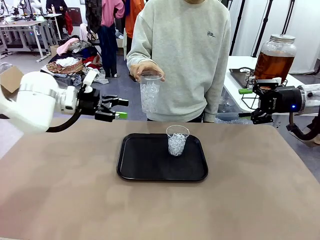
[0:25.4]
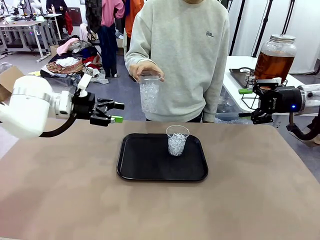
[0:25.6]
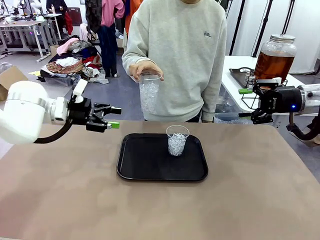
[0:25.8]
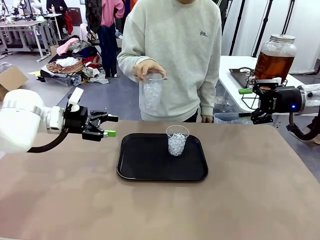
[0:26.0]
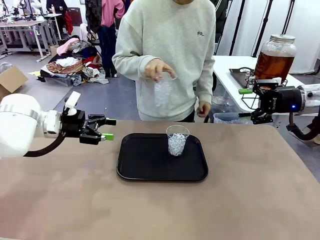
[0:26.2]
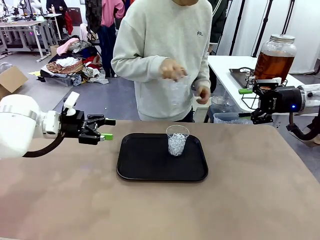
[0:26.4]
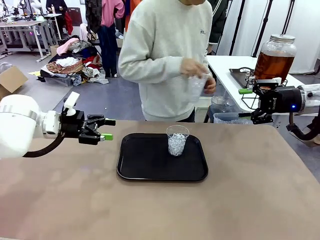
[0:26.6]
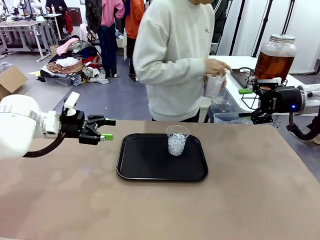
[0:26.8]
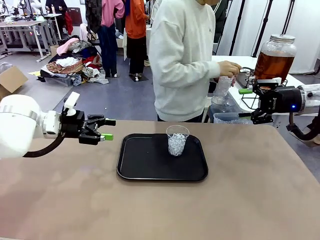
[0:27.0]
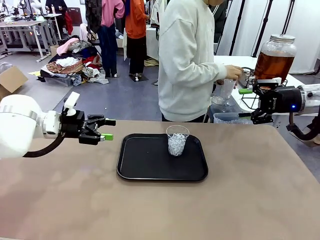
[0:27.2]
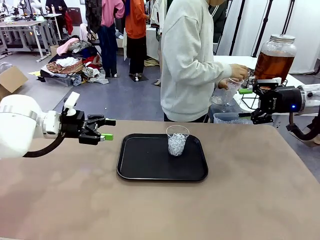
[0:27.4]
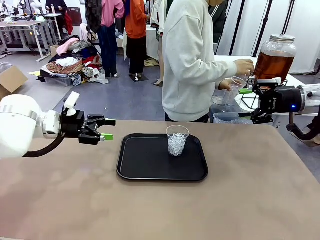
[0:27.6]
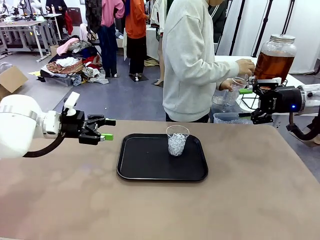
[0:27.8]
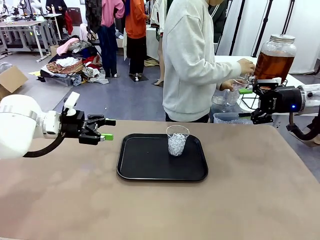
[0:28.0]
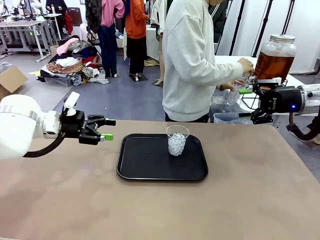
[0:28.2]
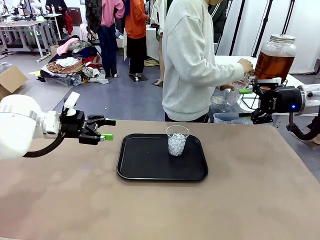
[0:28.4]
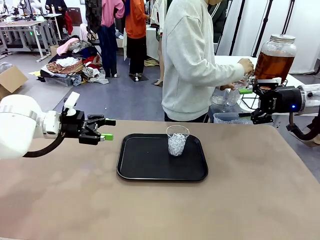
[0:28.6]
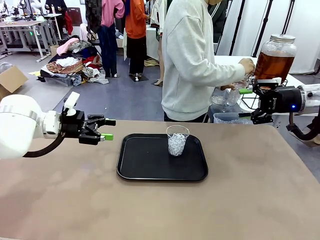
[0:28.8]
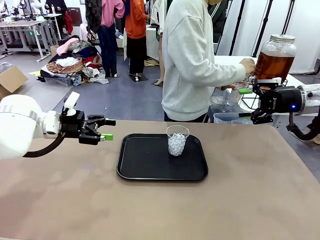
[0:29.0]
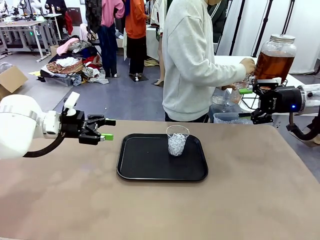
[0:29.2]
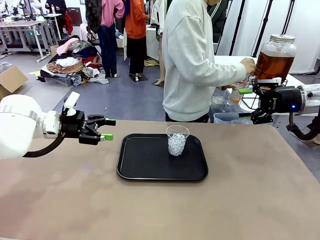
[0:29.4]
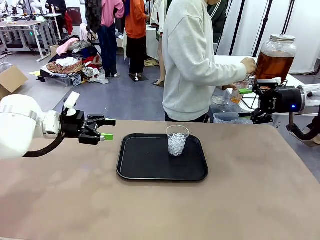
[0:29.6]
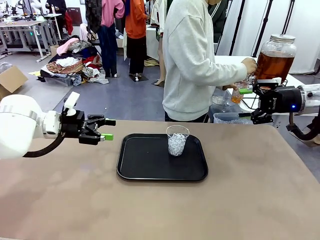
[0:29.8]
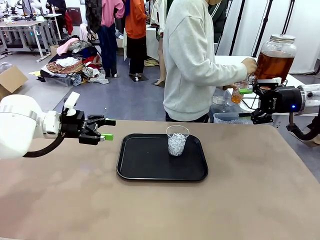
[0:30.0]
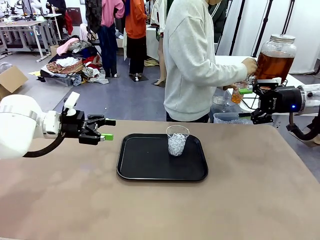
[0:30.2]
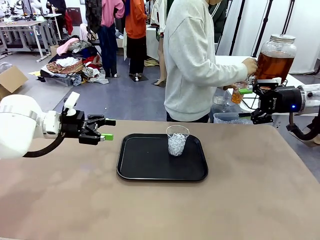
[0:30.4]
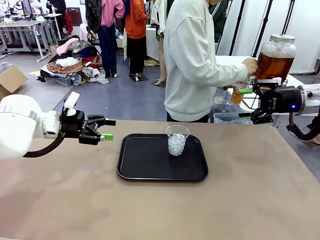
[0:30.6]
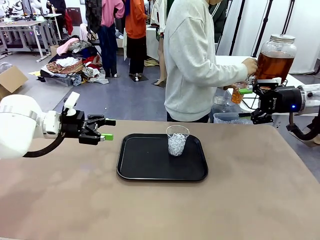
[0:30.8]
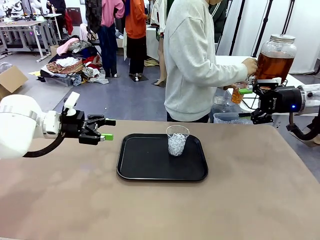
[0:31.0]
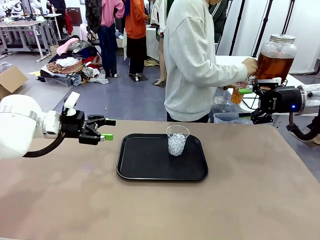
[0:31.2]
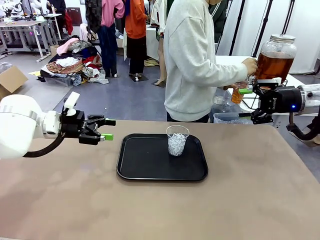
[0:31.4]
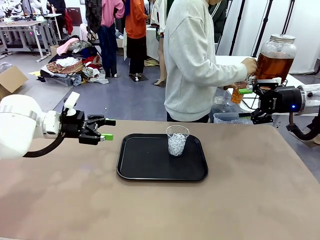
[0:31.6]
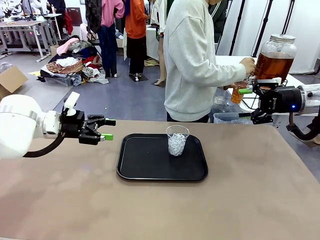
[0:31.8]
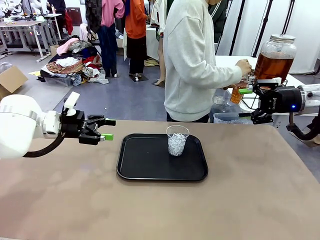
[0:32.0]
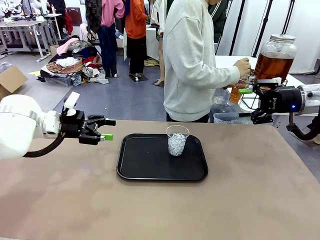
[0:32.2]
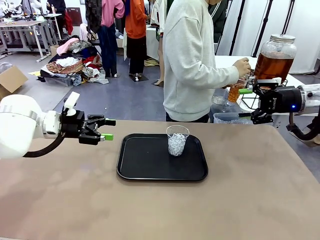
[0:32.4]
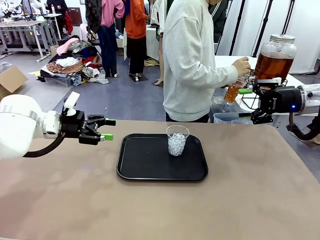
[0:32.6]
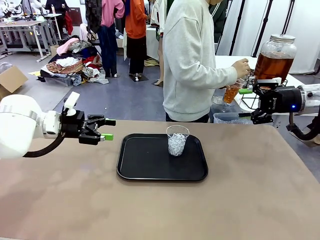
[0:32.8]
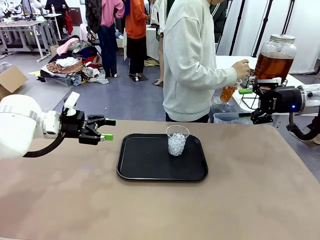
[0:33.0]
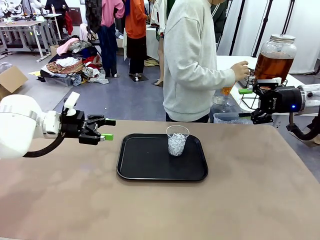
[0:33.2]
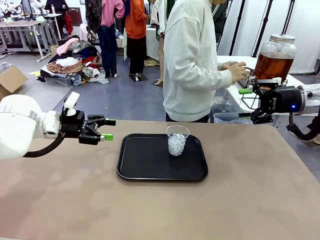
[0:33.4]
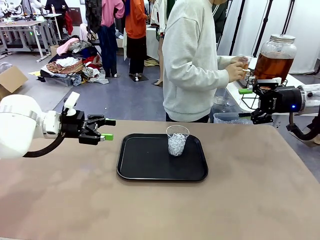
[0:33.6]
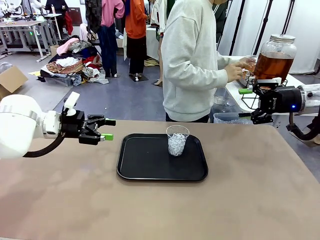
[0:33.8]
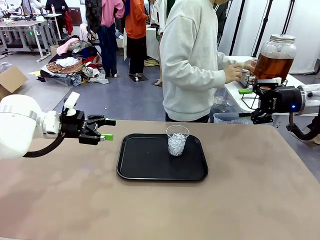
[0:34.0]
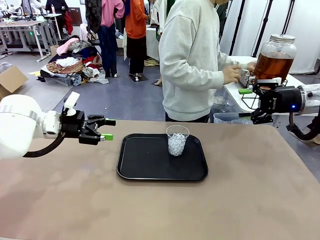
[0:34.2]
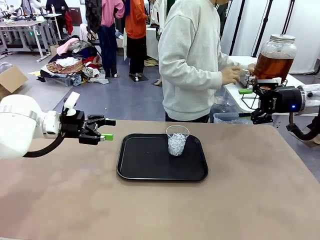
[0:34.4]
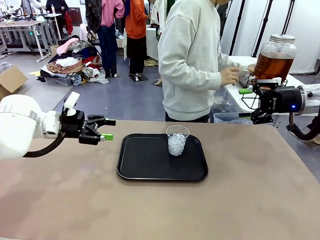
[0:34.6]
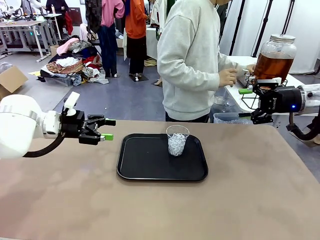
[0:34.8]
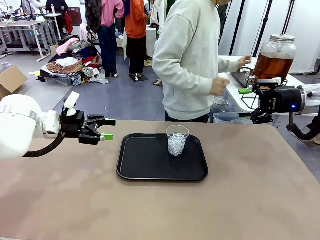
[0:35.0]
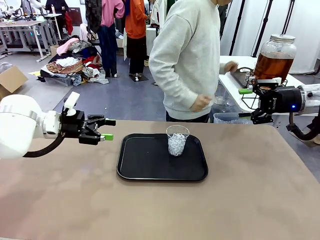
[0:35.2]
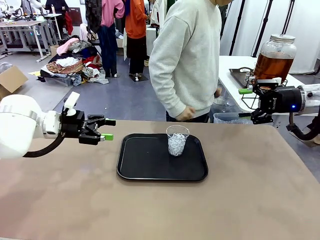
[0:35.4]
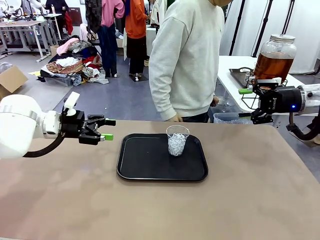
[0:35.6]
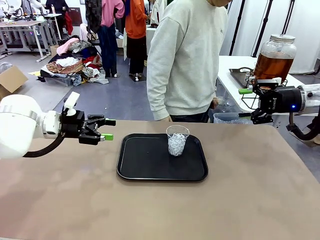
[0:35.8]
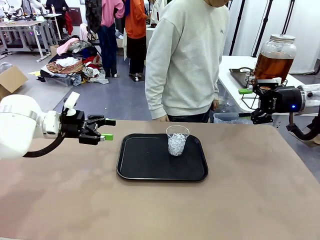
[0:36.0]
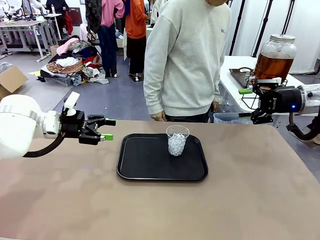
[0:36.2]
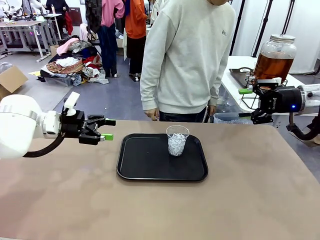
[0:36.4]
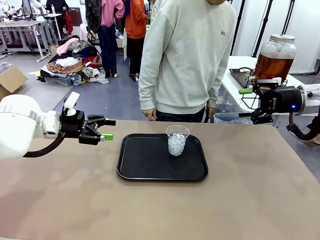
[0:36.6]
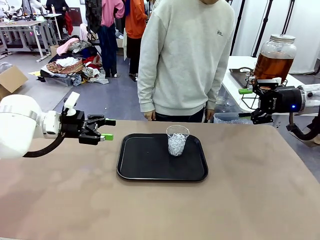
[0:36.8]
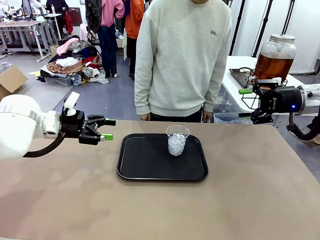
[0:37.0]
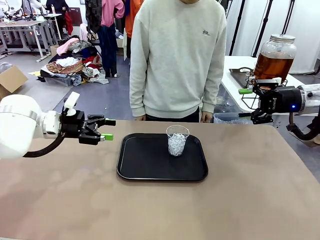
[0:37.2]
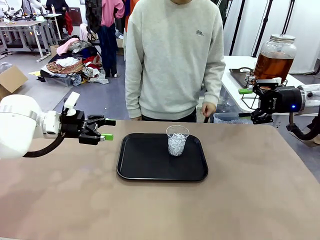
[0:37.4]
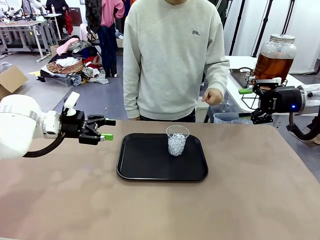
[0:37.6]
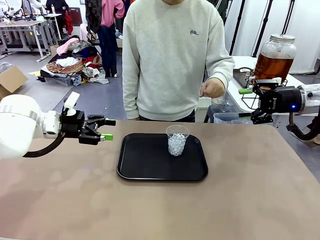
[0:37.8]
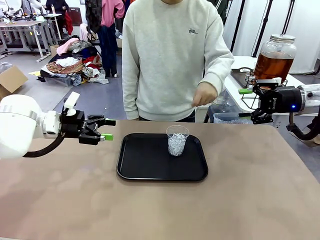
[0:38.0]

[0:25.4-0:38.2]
Task: Pour the drink into the iced cup.
Robot: Pick up the iced cup indicated by the human and present it to them.
Person: Move the picked-up cup under the dispenser faucet, pour the drink, and place it on the tray on the human table. Point to the remaining ice cup on the robot table.

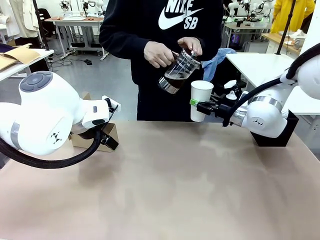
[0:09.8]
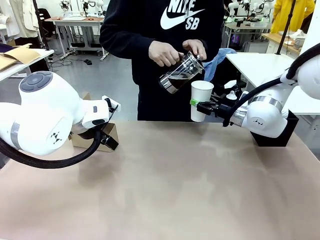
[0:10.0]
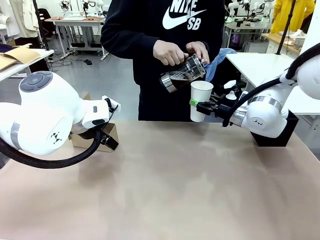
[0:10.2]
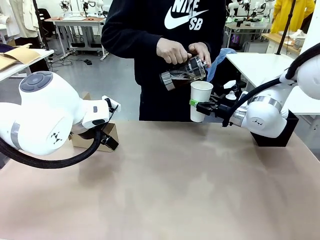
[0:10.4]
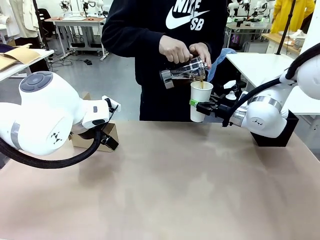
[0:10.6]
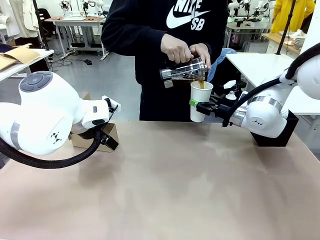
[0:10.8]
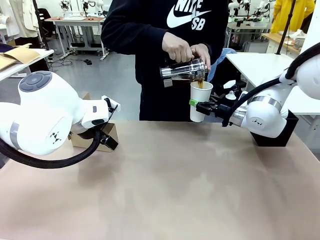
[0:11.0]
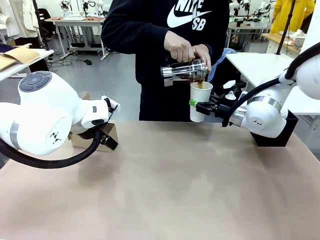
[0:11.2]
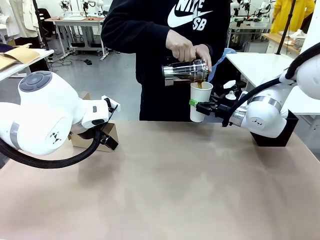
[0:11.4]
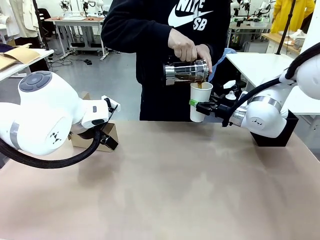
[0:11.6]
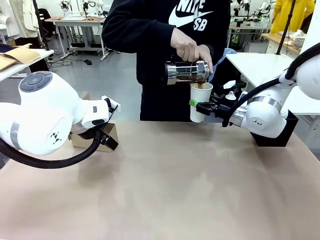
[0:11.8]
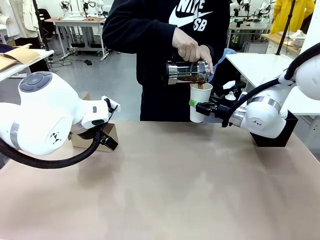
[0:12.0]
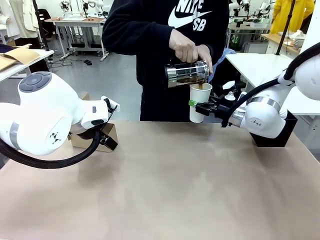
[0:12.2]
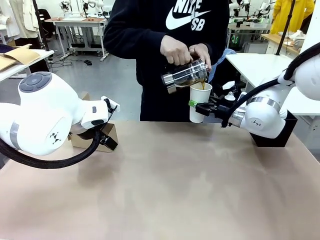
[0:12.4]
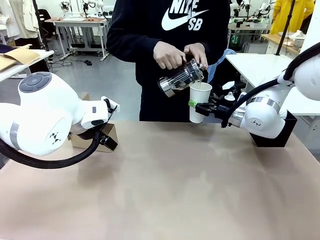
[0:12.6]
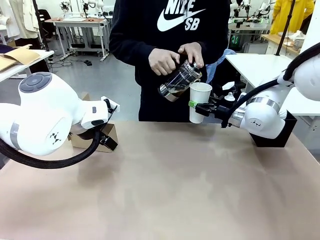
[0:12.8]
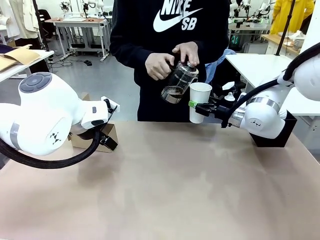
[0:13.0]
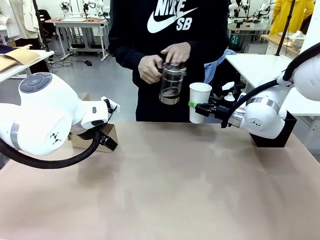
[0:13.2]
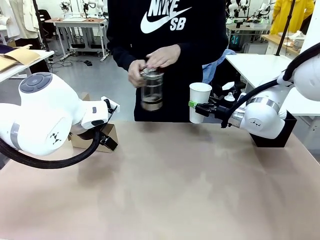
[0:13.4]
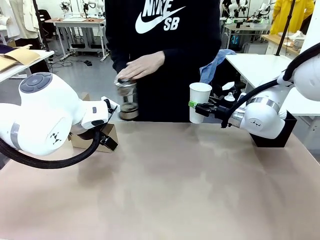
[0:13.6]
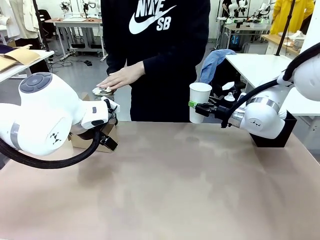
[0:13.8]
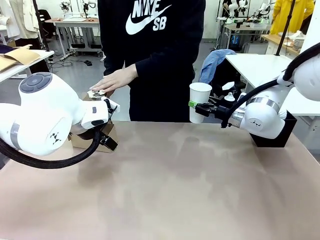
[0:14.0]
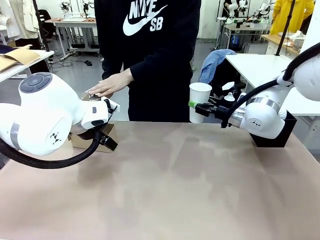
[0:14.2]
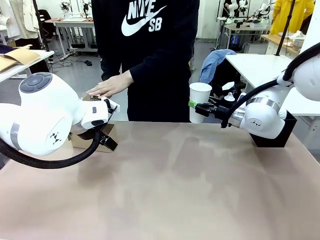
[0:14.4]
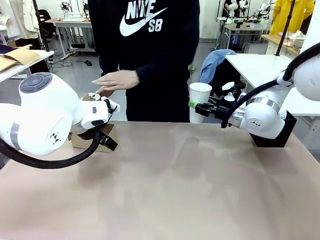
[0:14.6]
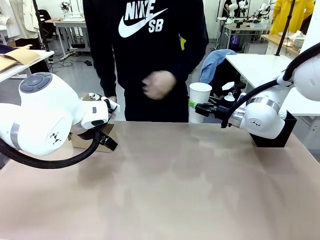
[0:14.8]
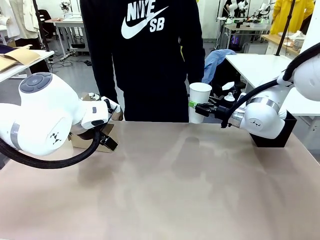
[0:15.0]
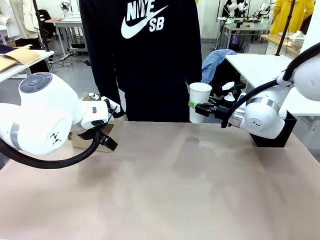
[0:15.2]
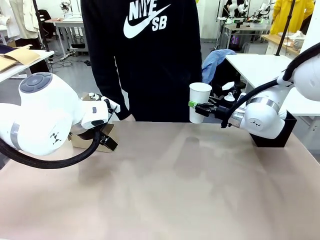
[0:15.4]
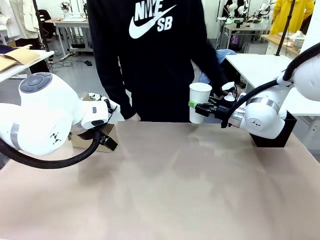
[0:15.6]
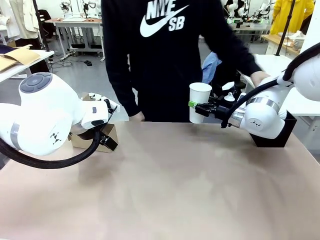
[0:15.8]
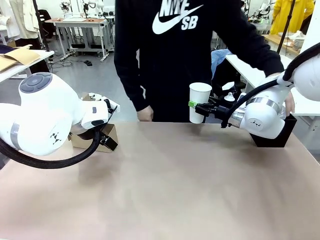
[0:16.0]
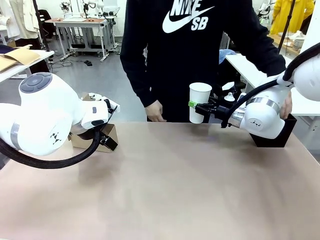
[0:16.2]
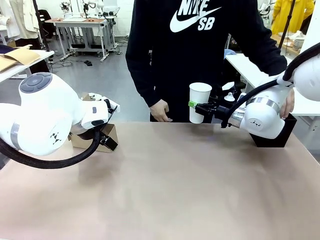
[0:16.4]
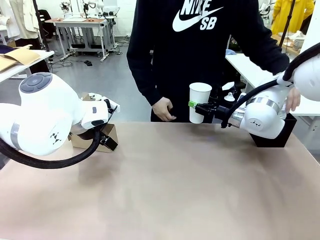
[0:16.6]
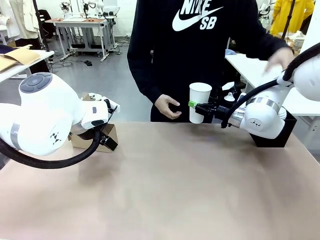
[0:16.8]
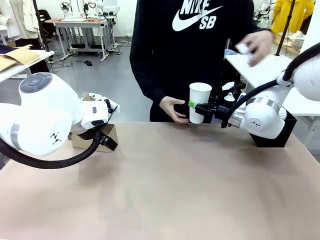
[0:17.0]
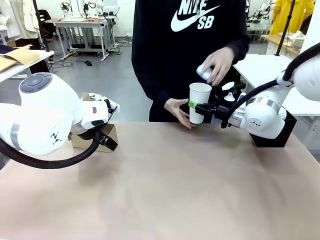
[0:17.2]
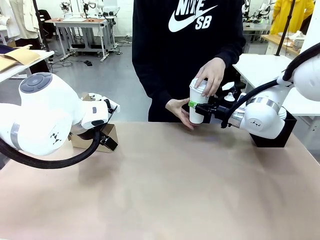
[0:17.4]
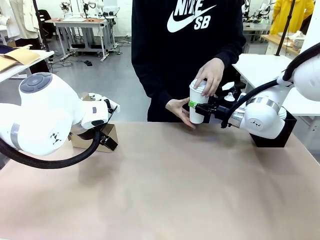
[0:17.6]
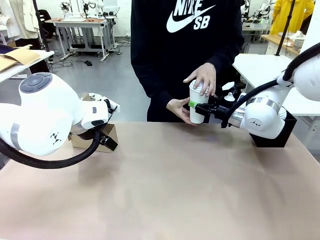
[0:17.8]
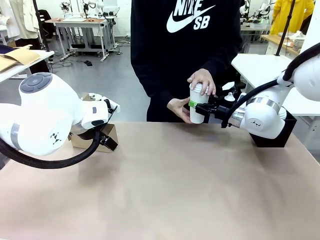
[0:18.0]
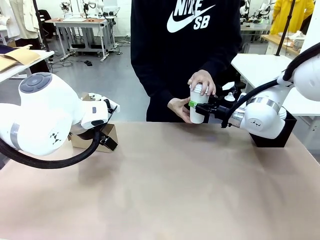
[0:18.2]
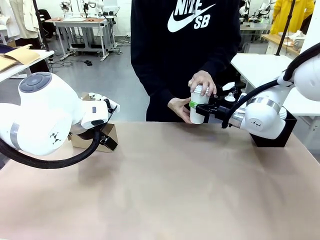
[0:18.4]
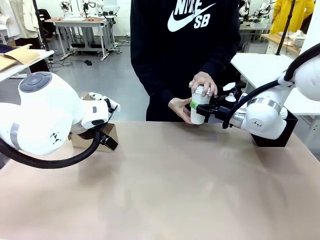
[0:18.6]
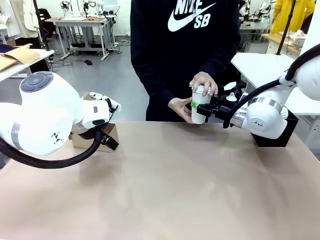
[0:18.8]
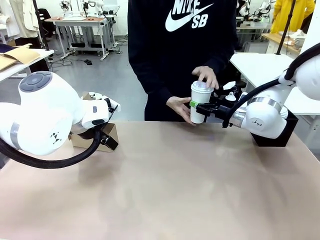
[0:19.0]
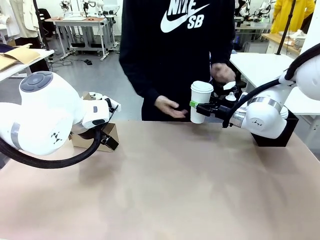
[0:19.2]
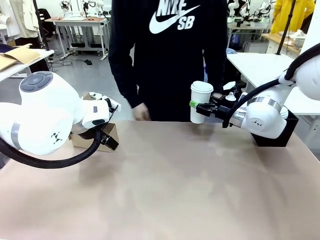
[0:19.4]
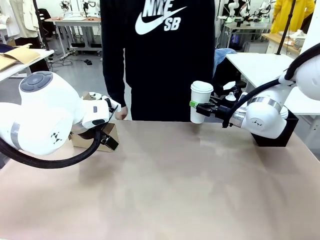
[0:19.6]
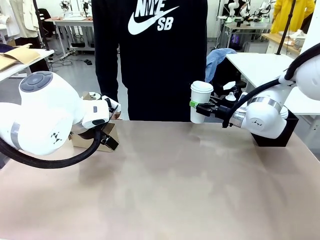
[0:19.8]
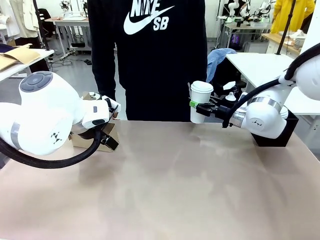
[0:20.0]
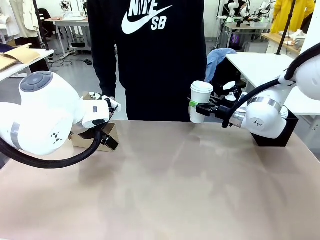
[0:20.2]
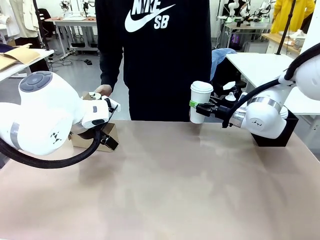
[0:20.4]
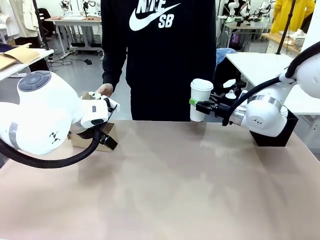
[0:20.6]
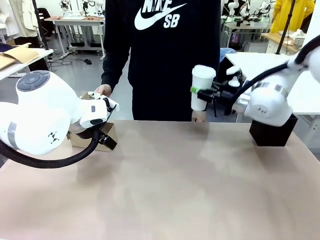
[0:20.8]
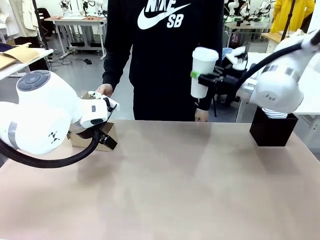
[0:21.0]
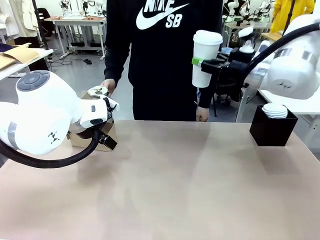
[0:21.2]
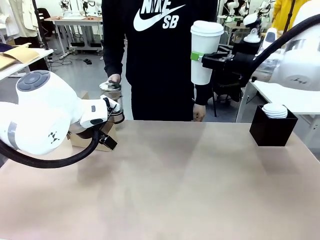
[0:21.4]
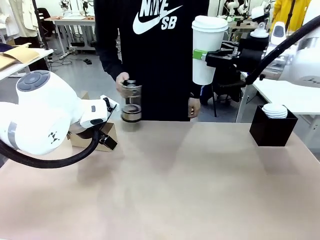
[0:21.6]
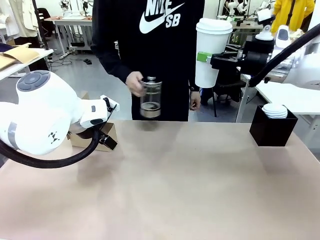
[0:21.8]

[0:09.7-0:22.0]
Task: Pour a drink into a cup and package it in a carrier.
Robot: When a person places the Paper Cup Lid on the 600 ml Paper Cup , lift the 600 ml Paper Cup.
Person: Pour the drink from the Filter Brewing into the 600 ml Paper Cup. Place a Paper Cup Lid on the 600 ml Paper Cup.
